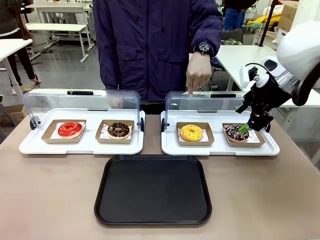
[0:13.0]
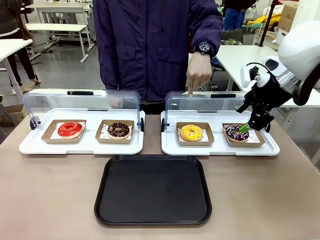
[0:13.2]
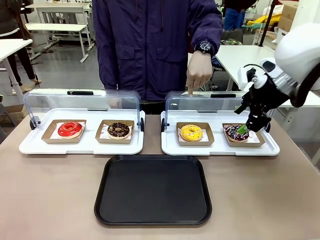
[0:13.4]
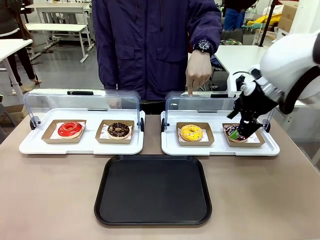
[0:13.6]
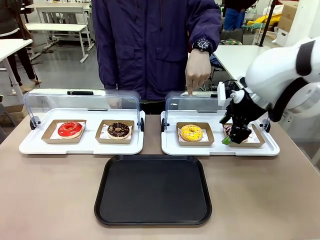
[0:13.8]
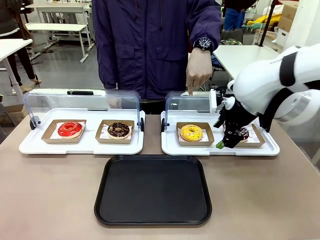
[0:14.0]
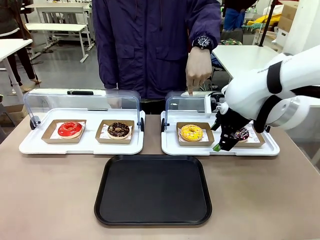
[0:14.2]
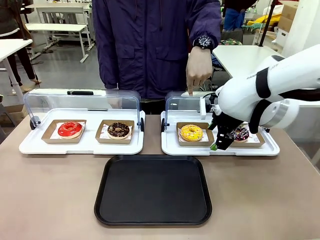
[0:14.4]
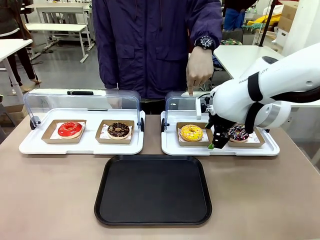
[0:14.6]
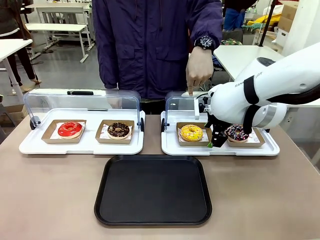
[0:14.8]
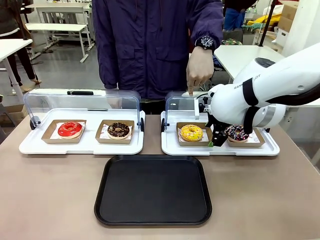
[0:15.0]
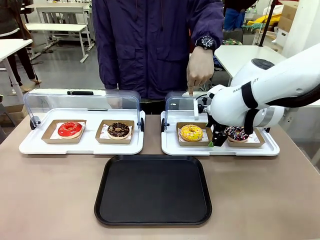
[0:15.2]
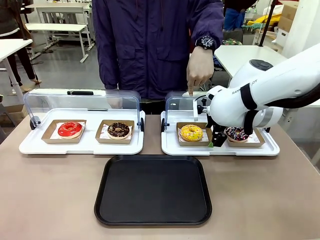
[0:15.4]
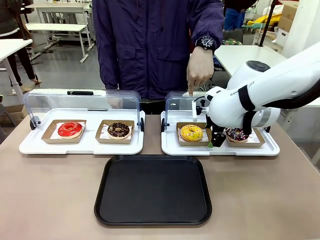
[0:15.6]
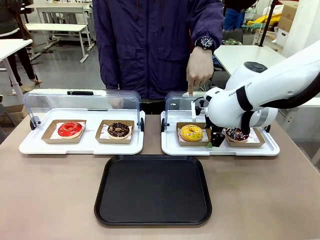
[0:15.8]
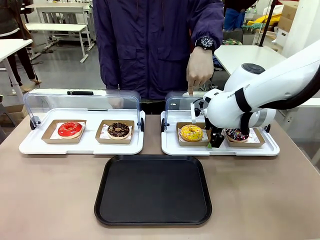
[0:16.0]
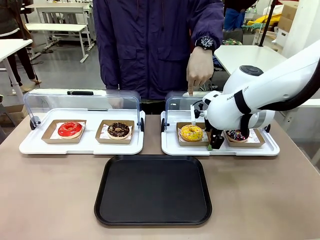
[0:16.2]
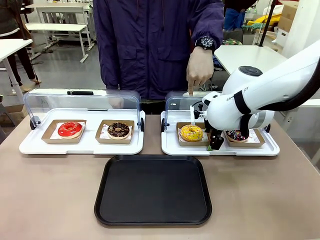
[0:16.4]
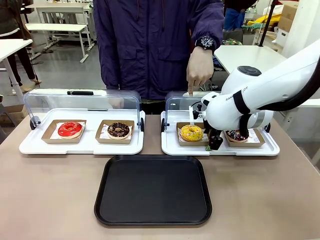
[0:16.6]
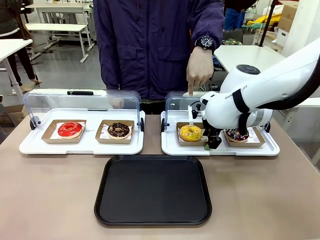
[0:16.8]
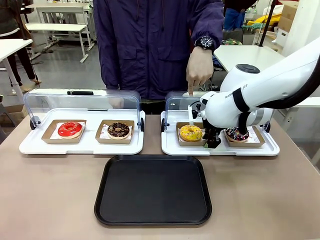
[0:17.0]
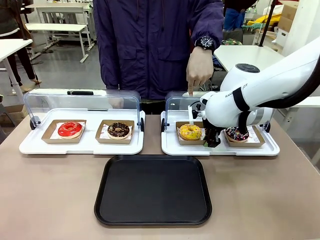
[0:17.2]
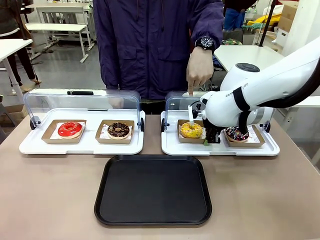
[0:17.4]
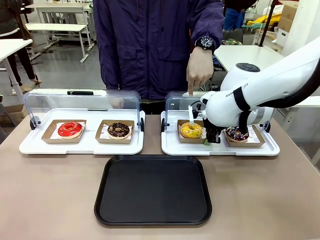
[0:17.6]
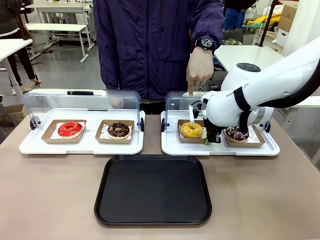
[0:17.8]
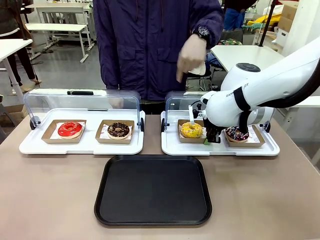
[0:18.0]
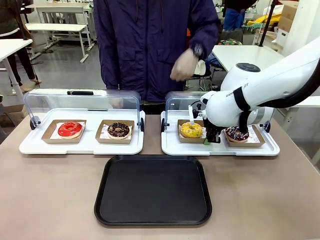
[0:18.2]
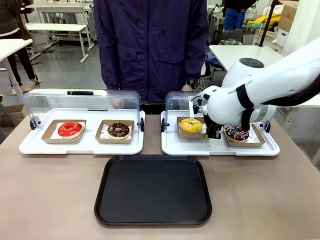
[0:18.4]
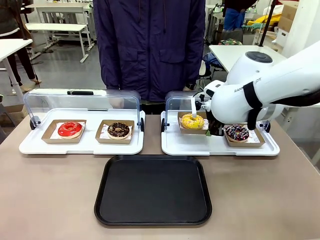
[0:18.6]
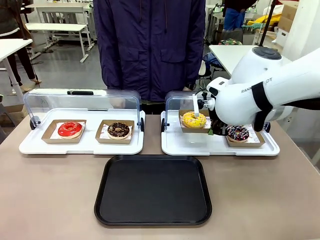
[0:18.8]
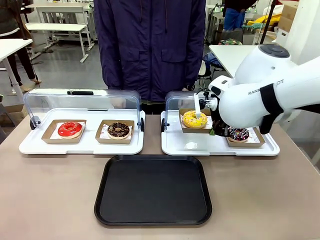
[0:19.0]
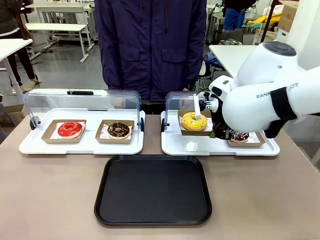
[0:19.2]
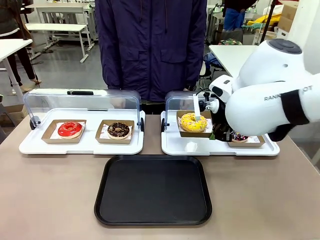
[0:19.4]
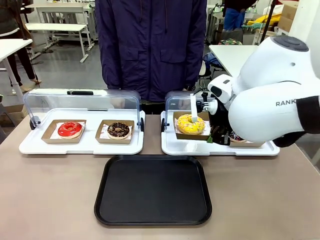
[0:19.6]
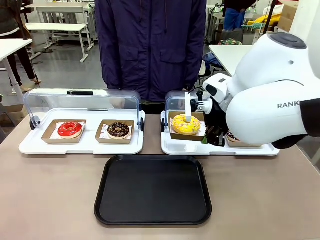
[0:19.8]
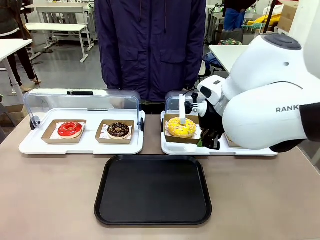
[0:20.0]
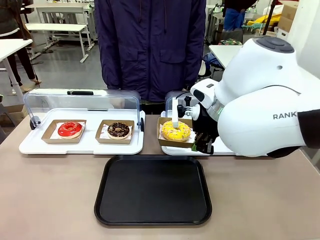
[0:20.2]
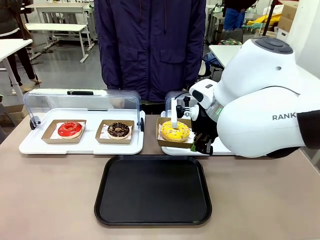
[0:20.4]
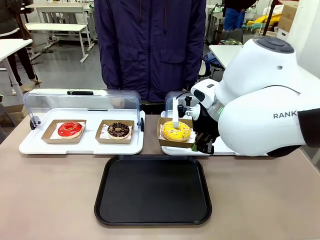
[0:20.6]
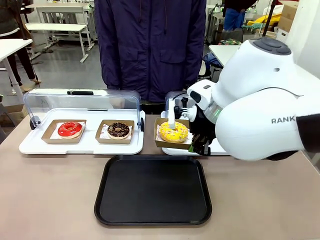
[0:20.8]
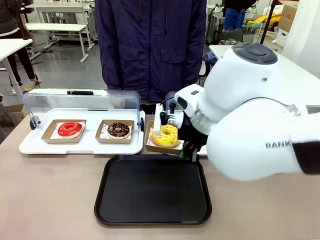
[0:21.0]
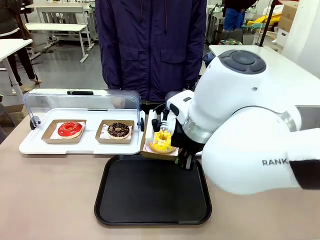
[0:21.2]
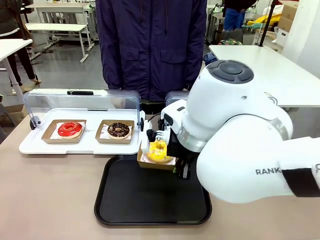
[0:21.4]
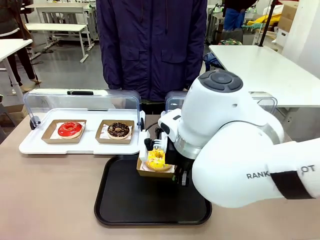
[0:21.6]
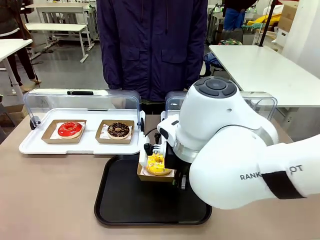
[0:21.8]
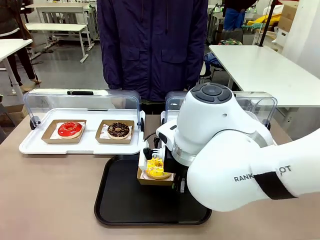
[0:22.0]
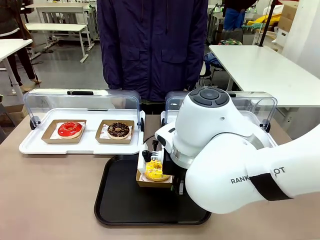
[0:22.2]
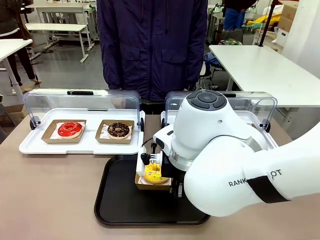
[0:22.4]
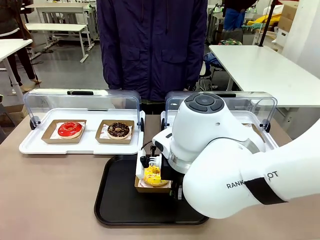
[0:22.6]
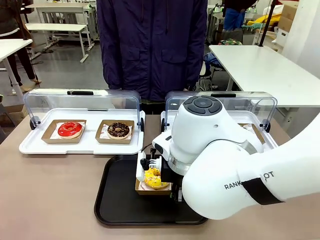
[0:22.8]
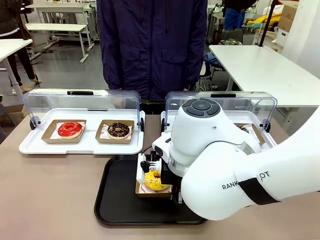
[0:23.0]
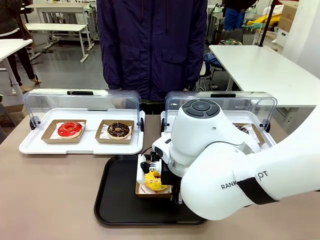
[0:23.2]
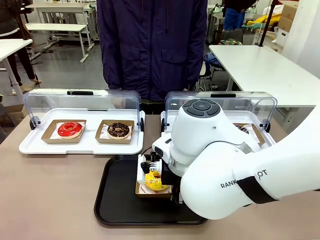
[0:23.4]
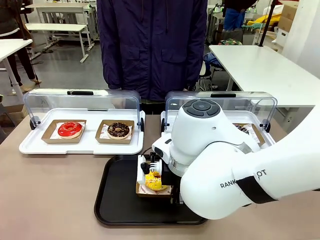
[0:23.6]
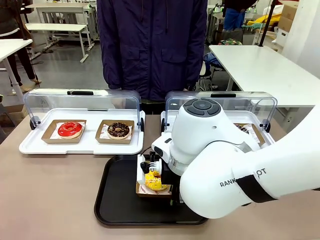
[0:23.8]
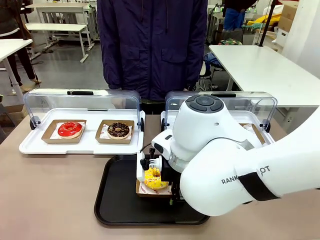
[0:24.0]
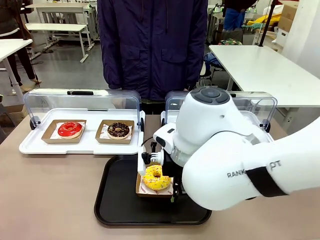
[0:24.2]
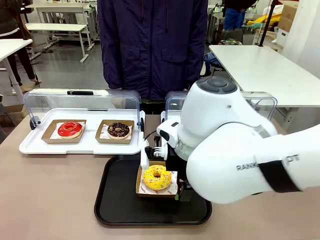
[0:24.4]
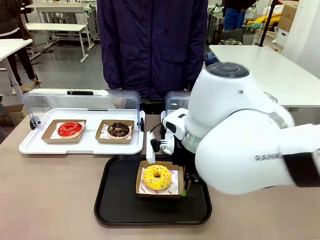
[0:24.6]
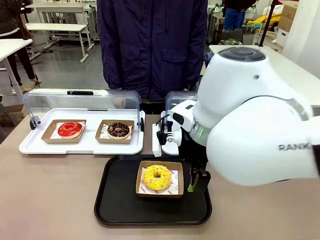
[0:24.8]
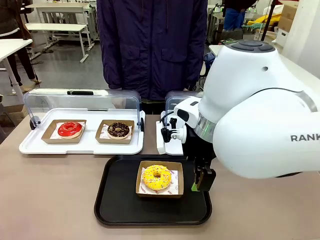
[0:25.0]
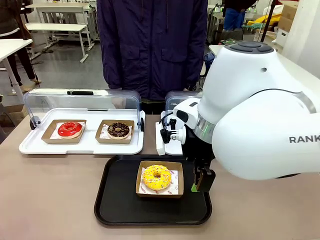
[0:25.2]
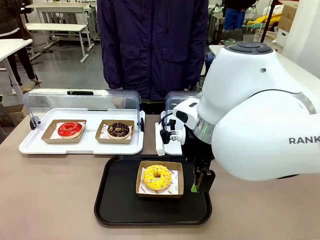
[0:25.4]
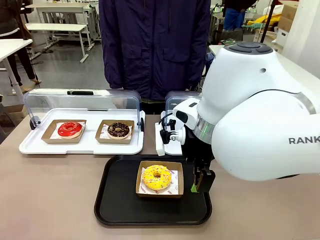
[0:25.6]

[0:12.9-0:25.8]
Task: Move the third donut from the left to the tray.
Robot: Pick up the Paper togo box containing the Donut indicated by the person and place it on the Handle tray.
